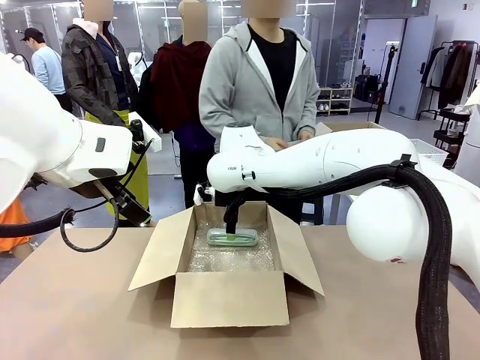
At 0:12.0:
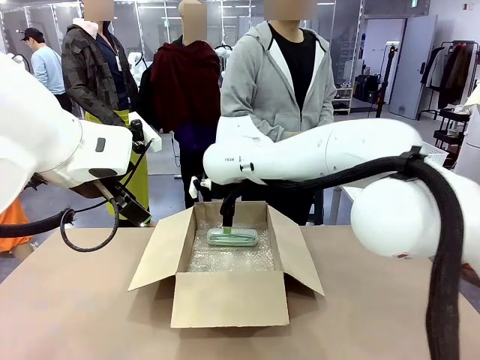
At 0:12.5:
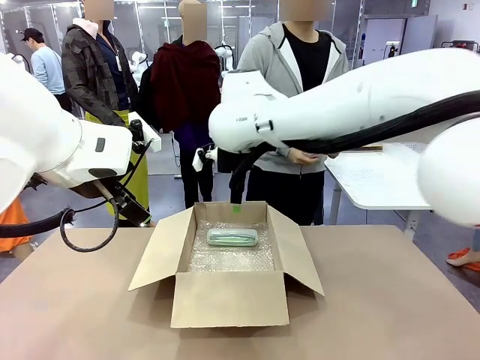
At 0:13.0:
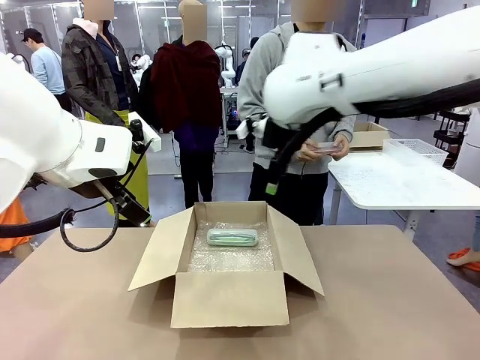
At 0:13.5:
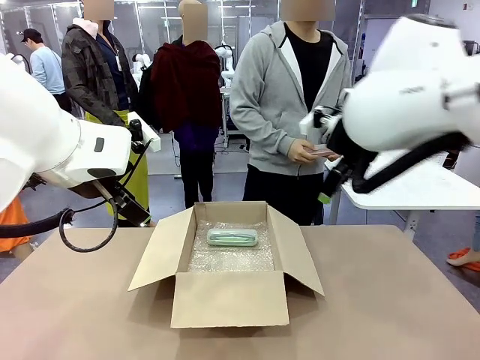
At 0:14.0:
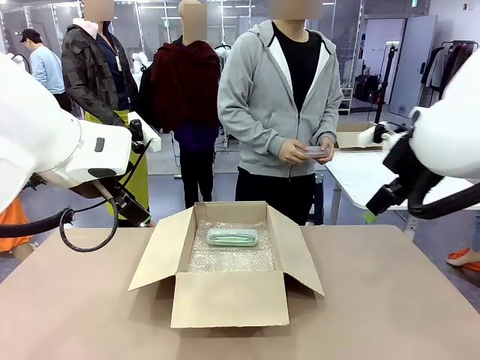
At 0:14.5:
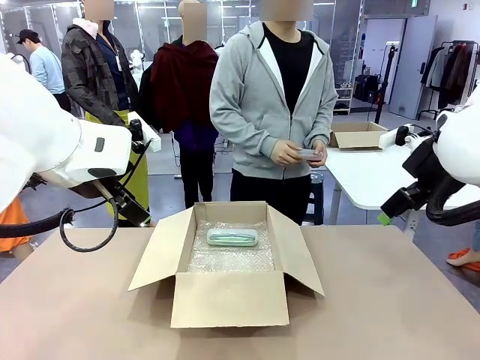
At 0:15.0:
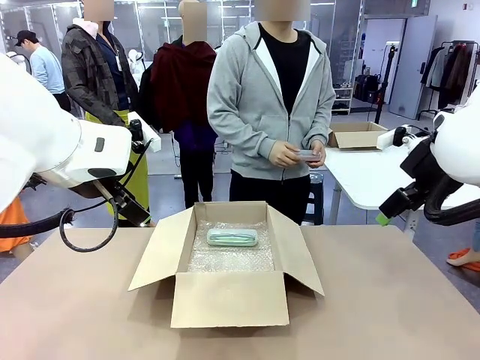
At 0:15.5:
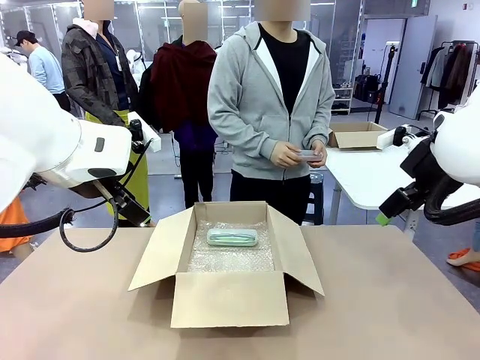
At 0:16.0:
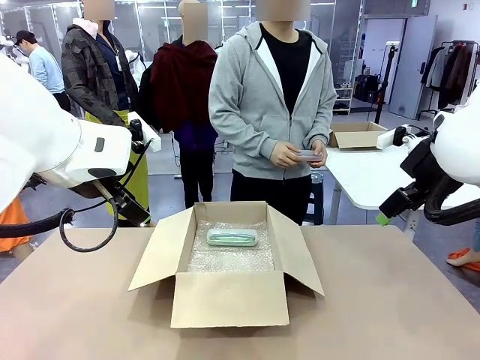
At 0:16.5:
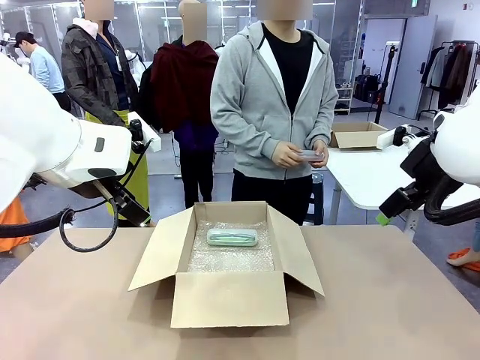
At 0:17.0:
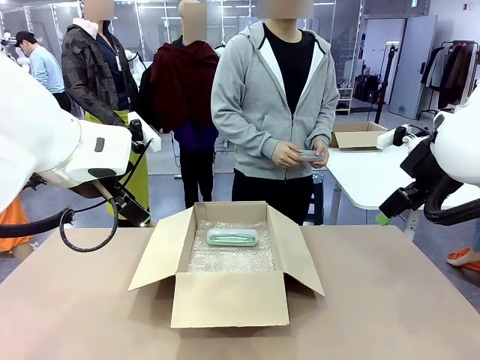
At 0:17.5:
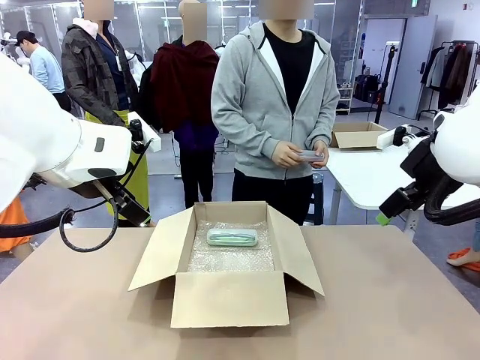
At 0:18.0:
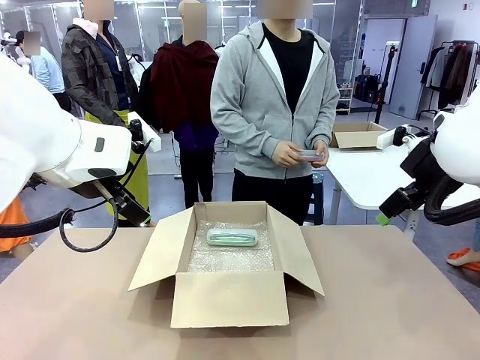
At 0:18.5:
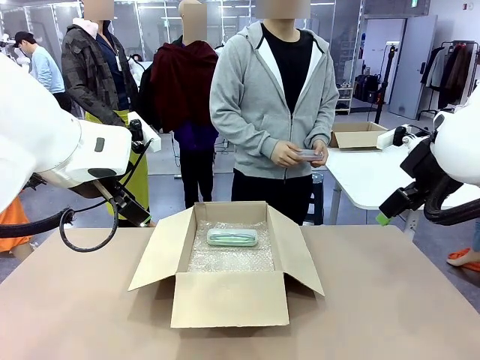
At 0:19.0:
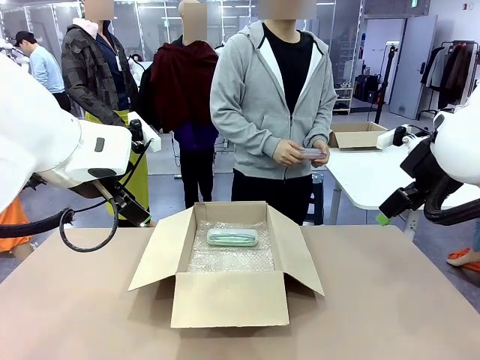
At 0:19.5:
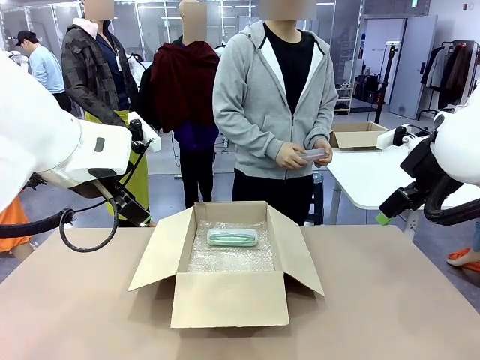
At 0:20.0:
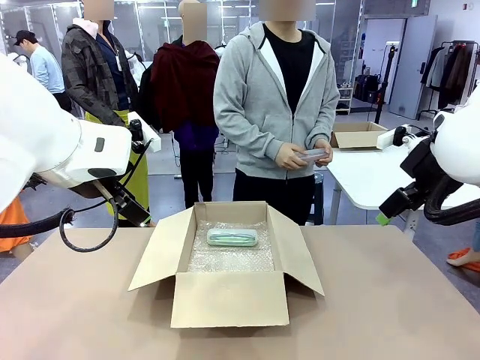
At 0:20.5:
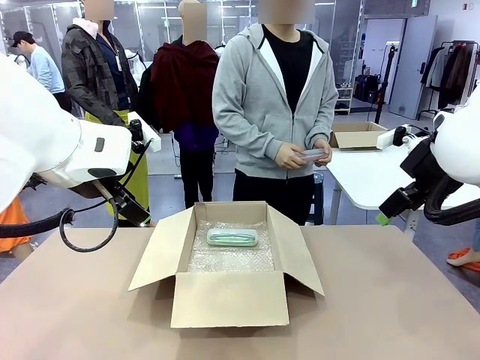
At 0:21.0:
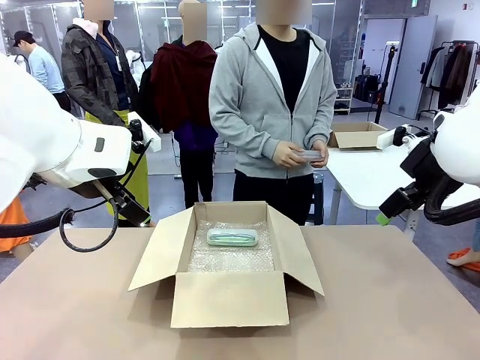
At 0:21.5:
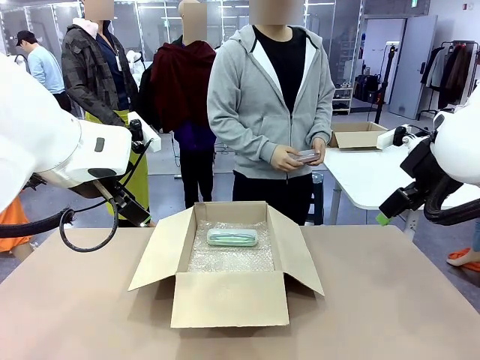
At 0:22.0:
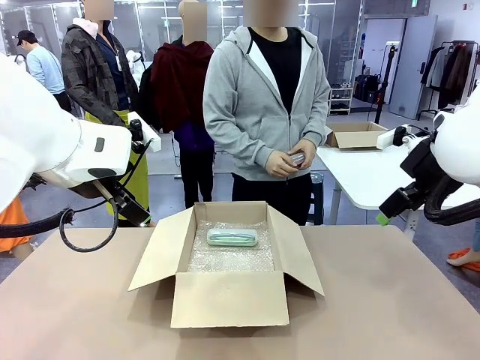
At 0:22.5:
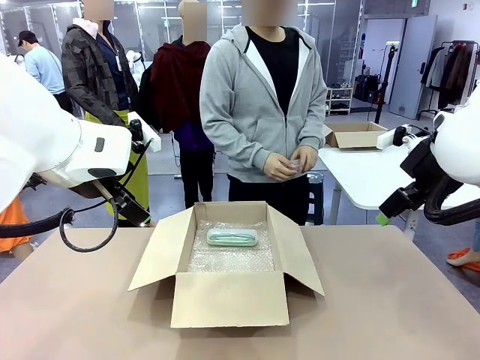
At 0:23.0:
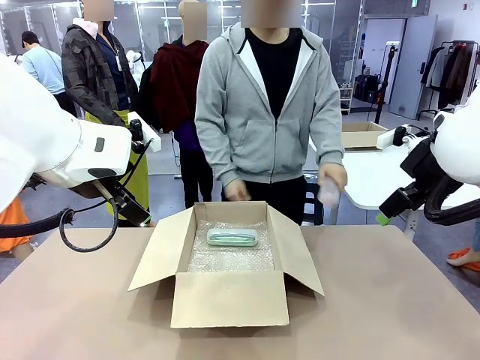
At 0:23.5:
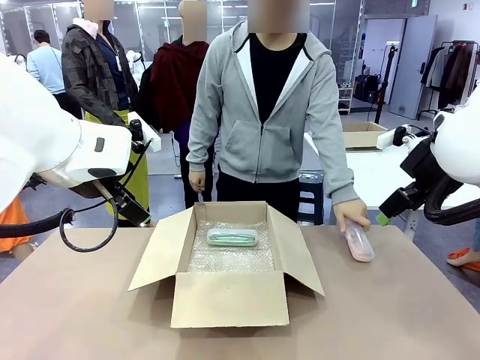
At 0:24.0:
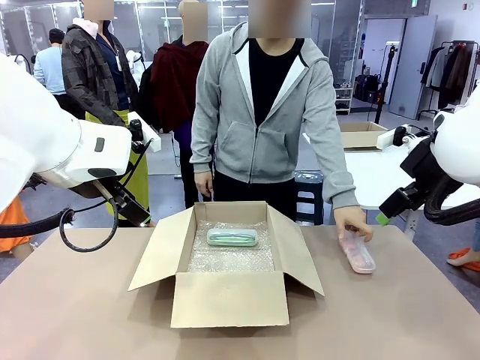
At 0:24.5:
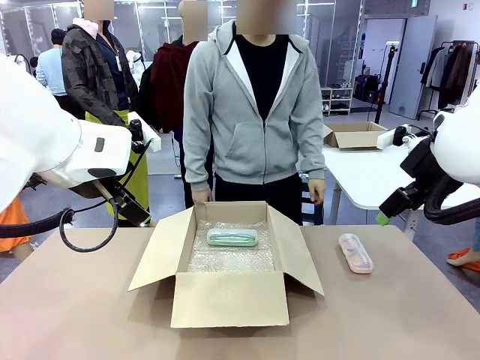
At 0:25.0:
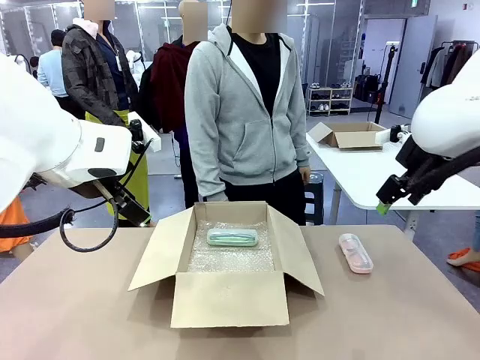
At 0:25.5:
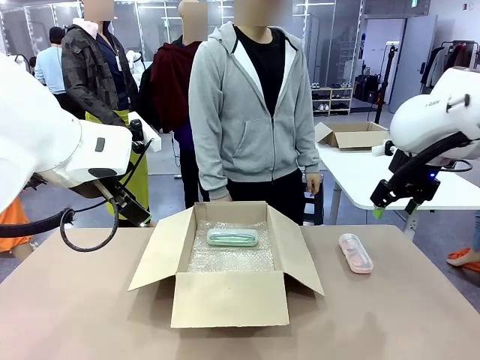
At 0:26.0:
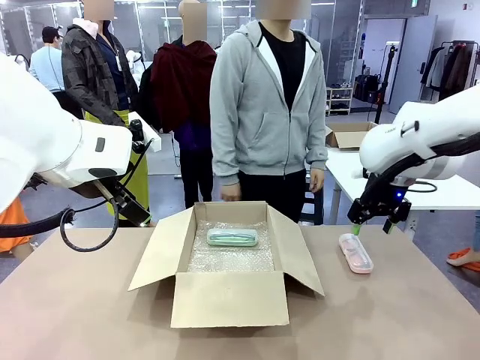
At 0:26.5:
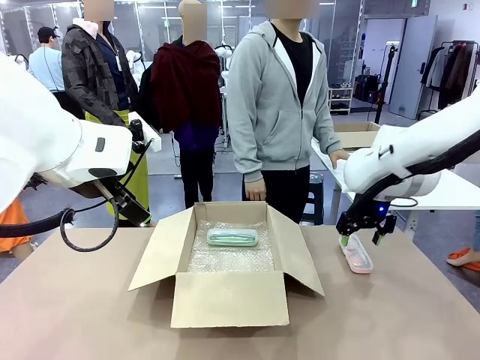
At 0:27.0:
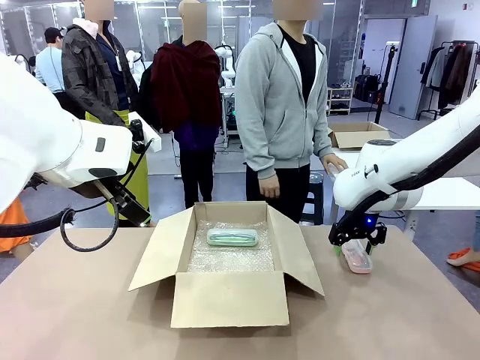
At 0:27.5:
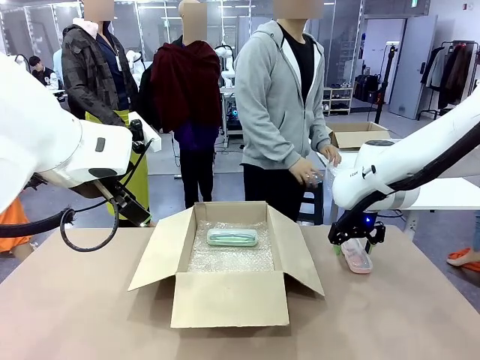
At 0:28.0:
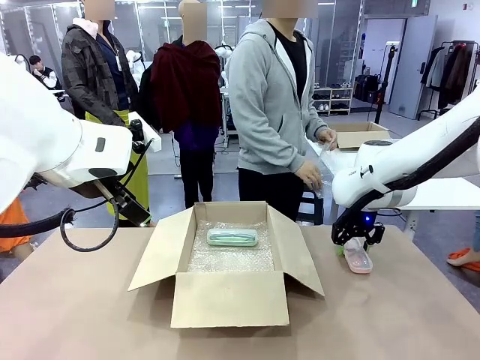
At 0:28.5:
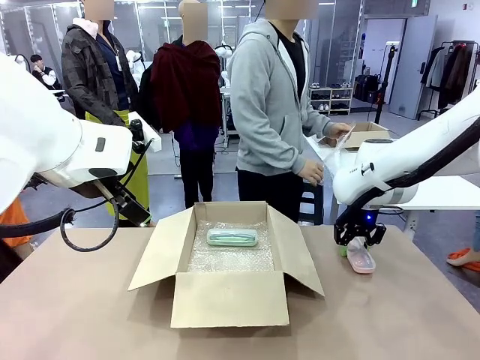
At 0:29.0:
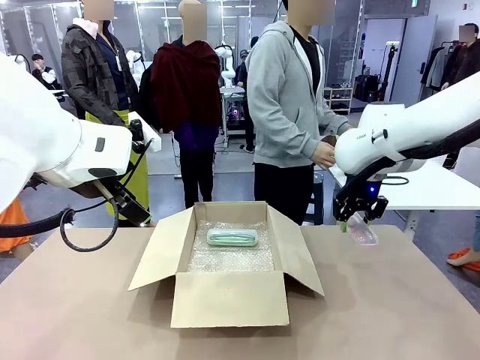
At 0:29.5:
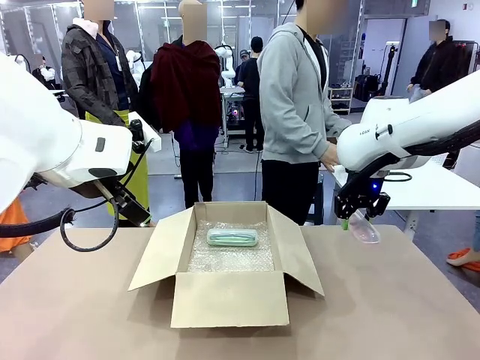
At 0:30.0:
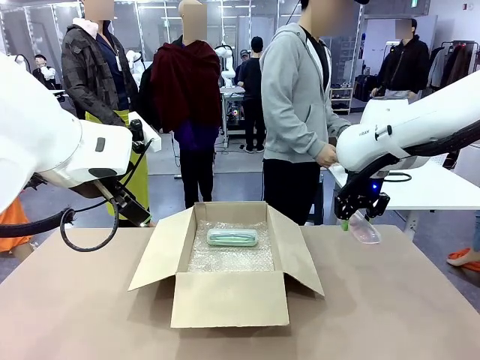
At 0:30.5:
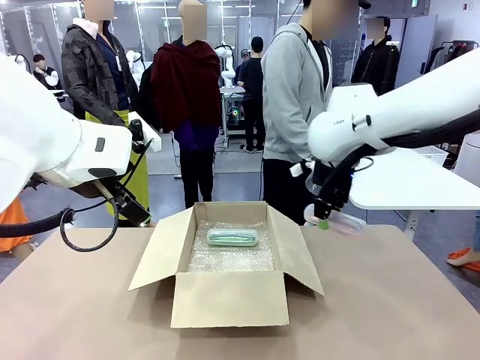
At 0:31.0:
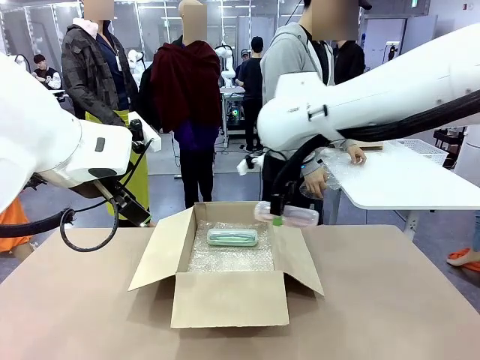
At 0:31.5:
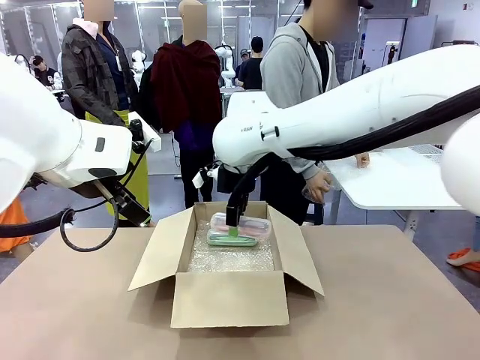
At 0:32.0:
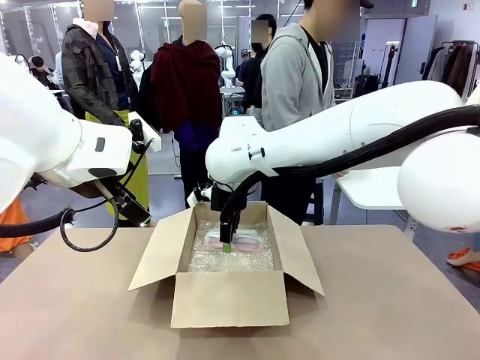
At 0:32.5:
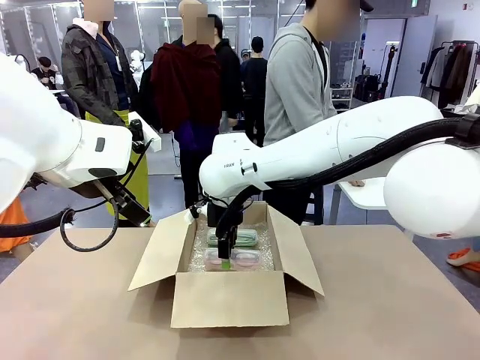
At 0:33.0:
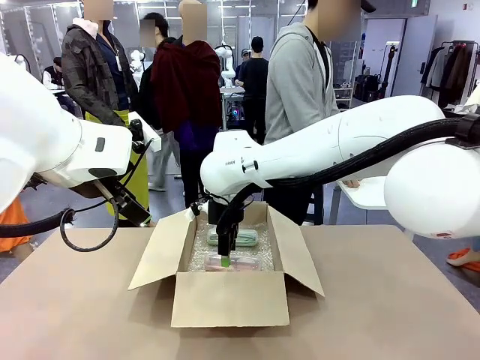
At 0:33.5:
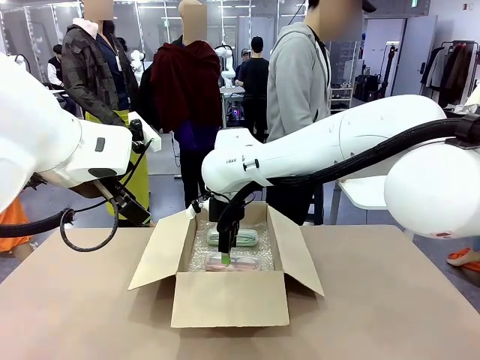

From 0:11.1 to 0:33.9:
Task: Pack the glasses set securely to prepare it for shipping.
Robot: Put the Glasses case from the right side of the table into the Package Box.
Person: Position the Glasses case on the left side of the robot's table.
